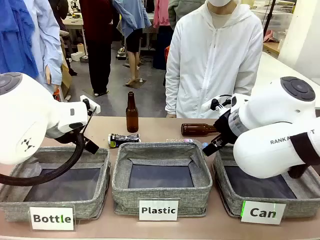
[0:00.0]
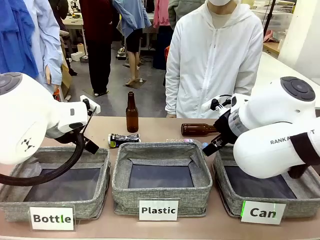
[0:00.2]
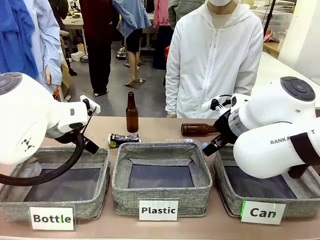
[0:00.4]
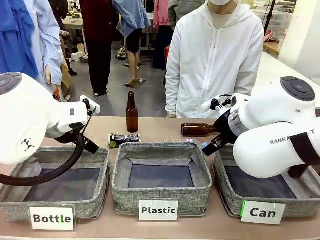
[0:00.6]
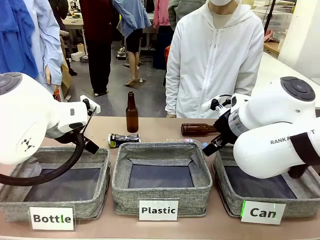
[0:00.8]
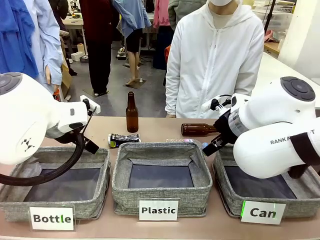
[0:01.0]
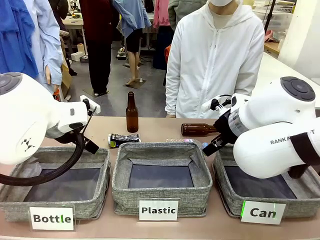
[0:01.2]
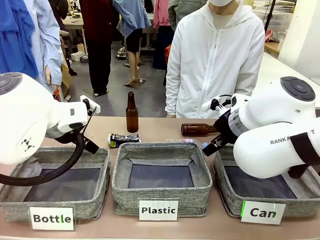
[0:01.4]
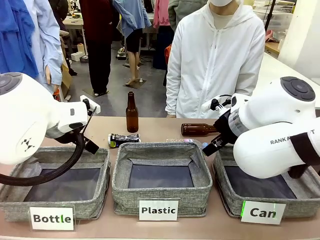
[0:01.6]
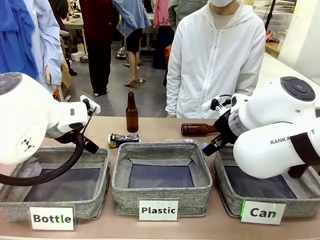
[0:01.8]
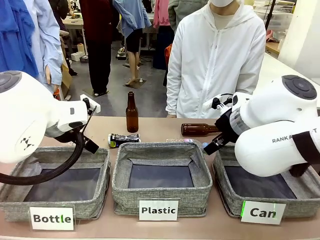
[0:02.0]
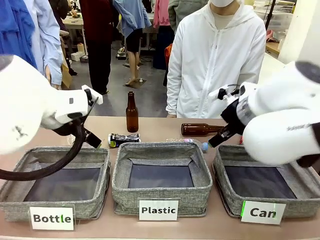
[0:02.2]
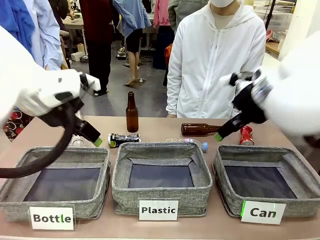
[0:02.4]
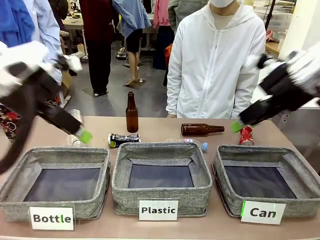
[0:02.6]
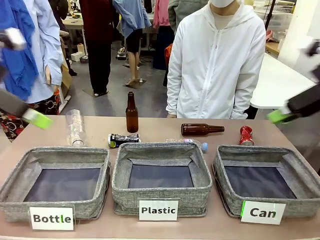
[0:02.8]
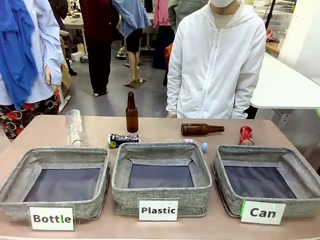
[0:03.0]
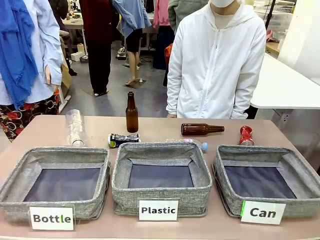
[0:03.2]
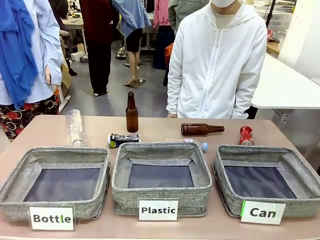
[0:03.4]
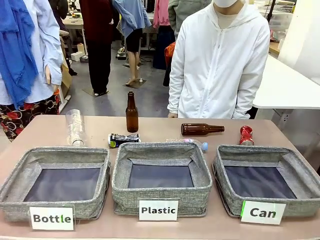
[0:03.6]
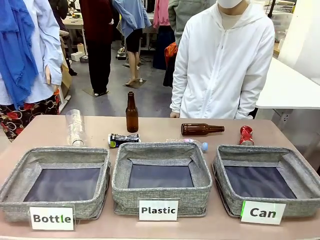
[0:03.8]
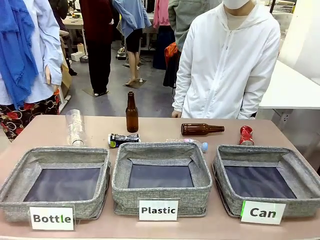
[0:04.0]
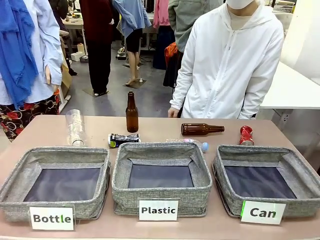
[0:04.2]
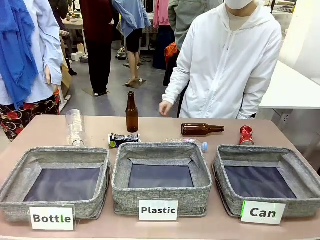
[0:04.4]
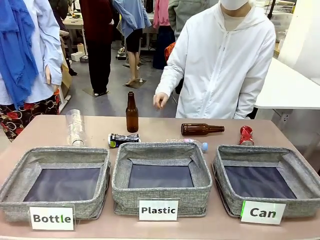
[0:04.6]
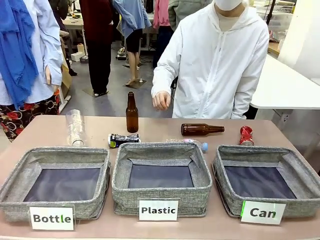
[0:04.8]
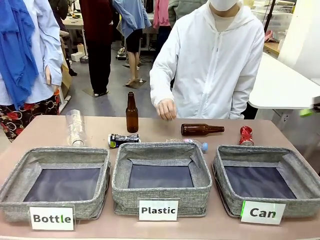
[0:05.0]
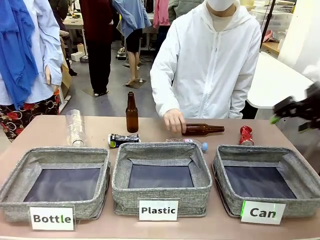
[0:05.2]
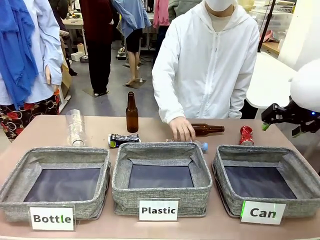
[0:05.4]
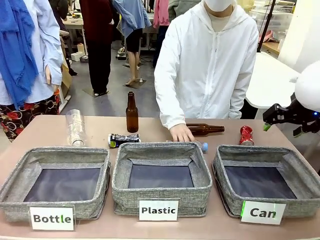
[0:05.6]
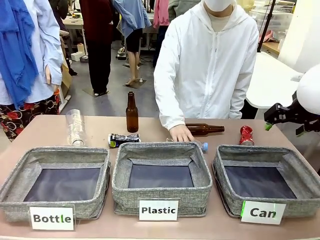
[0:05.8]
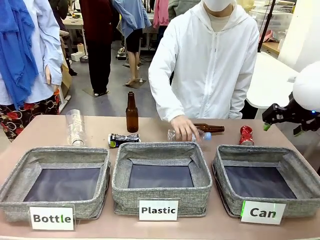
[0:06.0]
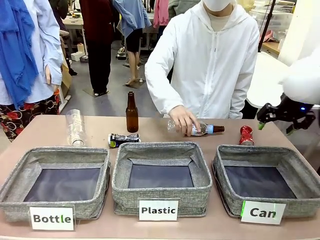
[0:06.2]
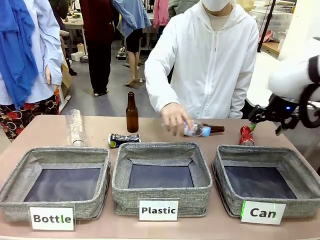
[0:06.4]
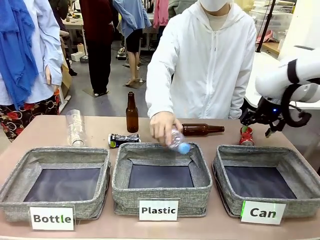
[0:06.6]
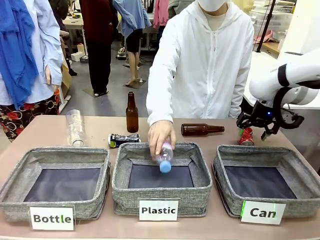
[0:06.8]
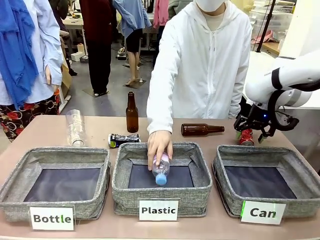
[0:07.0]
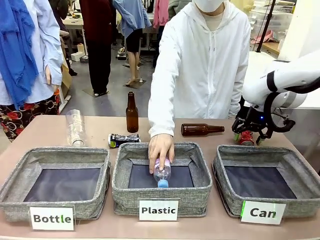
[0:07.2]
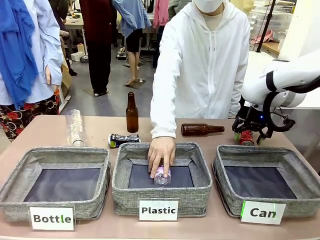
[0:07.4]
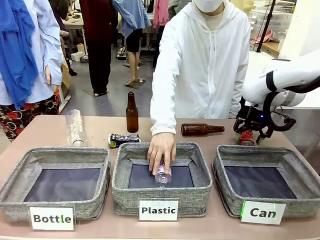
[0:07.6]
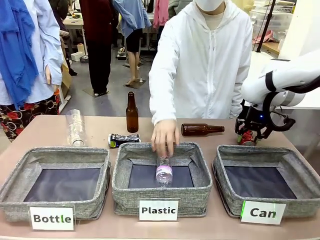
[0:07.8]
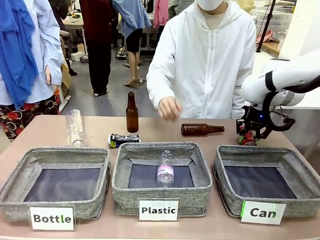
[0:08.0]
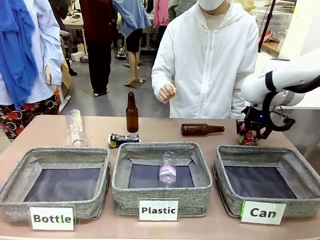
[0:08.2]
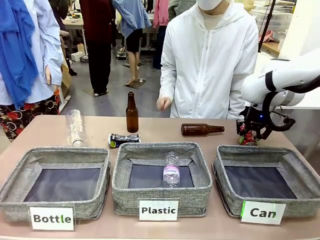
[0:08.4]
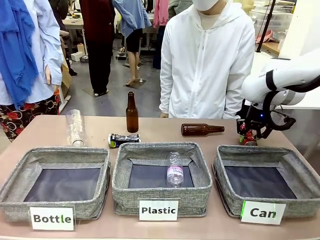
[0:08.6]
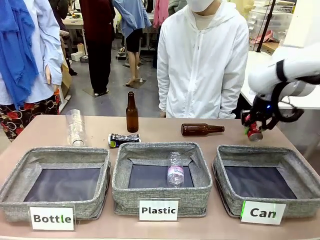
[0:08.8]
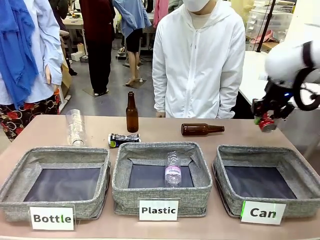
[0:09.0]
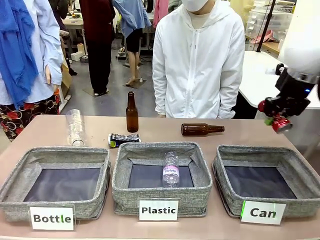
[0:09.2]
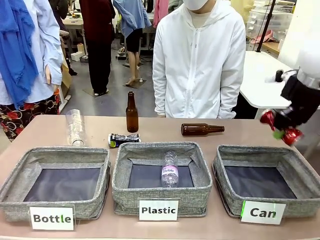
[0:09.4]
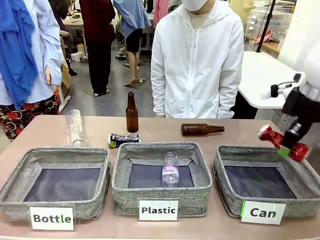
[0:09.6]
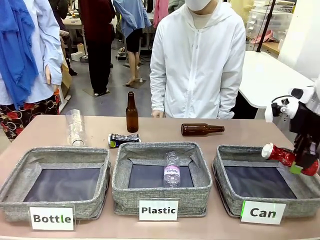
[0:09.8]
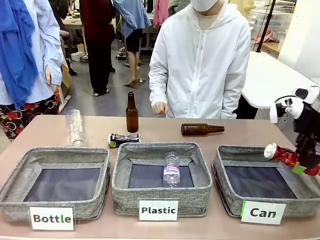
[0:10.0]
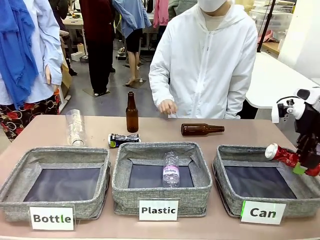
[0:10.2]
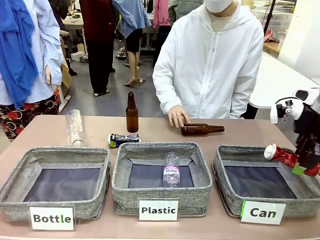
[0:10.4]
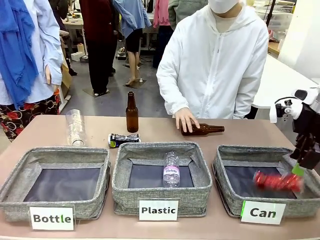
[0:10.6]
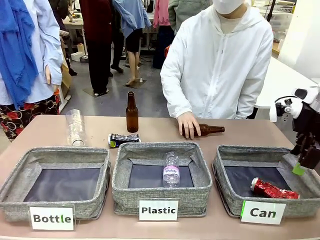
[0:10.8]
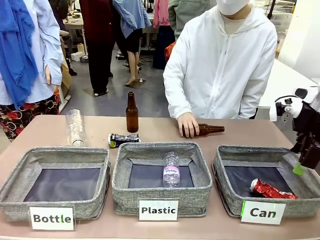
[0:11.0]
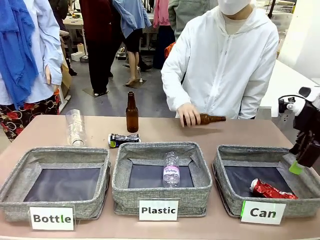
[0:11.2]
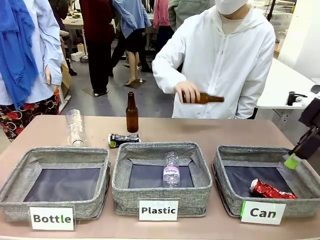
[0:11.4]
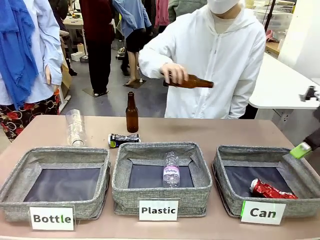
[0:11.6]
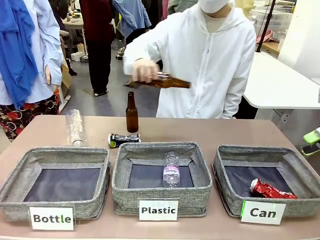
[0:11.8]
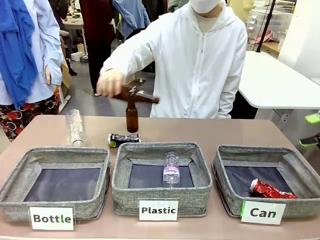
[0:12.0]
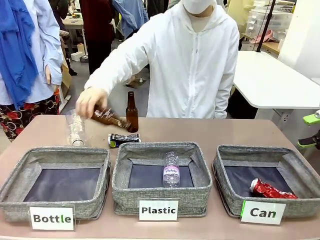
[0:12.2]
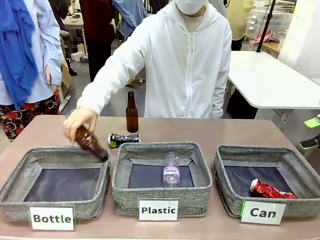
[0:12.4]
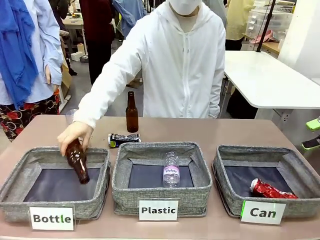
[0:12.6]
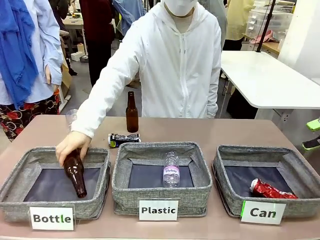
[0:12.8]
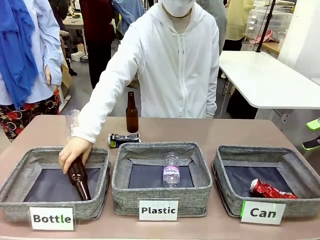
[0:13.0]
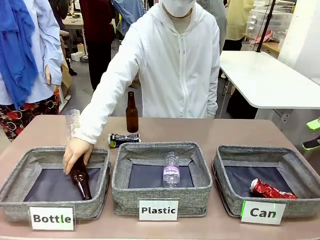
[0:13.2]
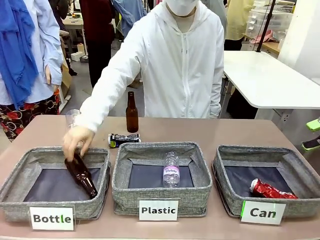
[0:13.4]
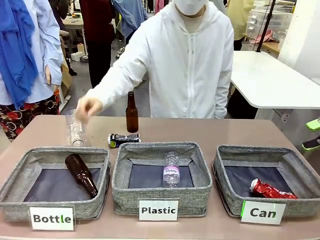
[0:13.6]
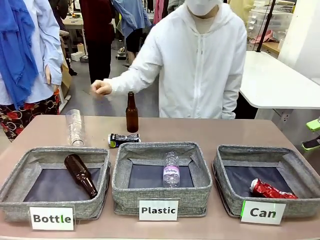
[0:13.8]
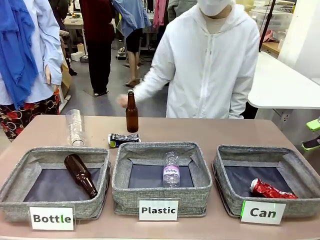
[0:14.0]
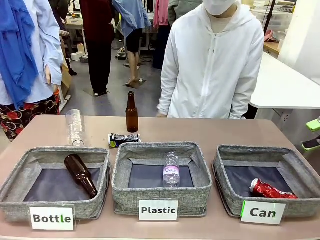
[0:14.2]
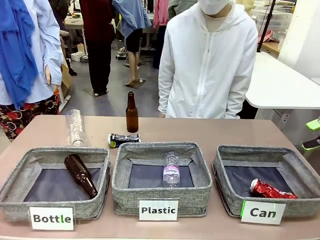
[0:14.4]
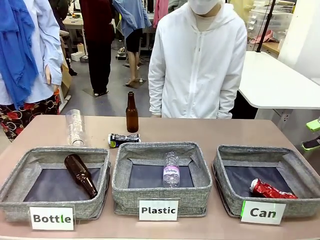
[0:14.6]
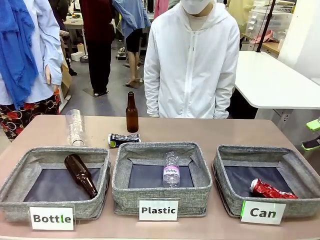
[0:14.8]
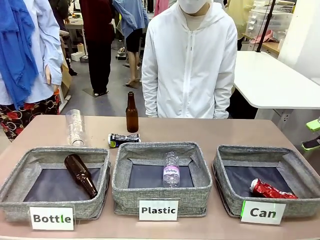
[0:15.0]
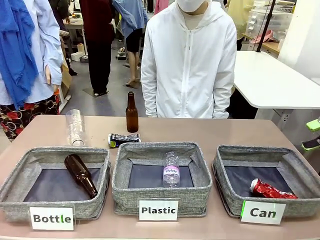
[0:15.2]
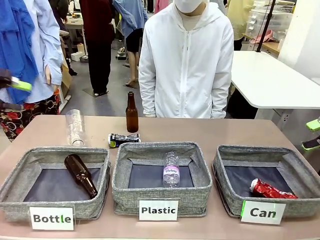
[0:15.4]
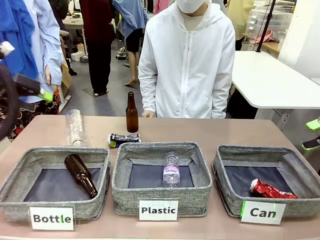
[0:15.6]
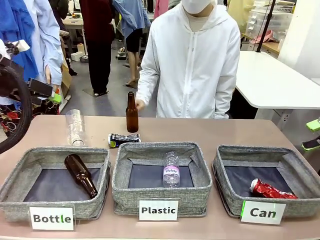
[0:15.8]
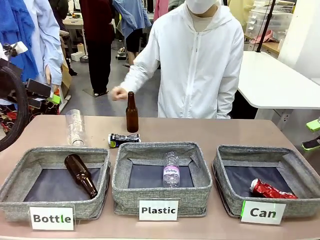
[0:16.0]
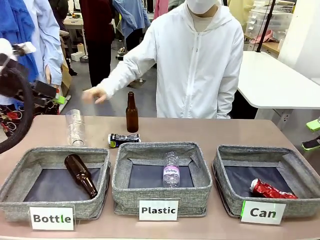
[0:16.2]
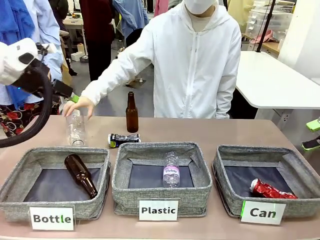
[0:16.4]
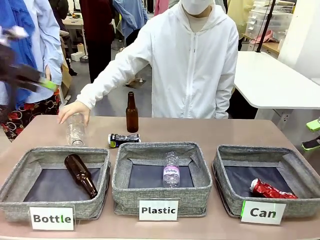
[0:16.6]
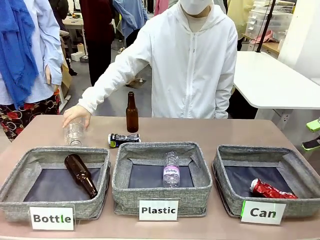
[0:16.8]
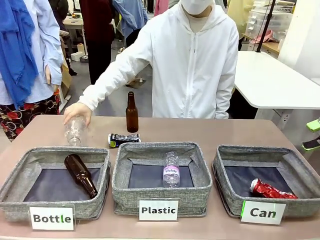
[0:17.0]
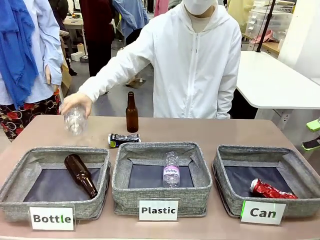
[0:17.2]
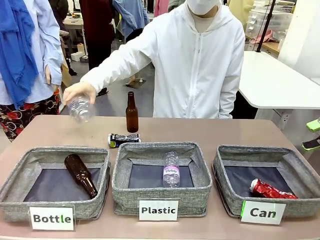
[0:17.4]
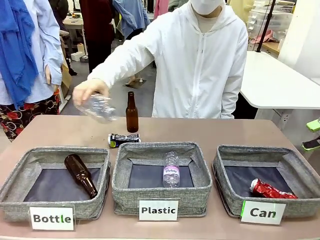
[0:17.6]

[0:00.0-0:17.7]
Task: Sort the can waste into the basket.
Robot: Pick up the can waste from the table and place it in the right Fabric basket.
